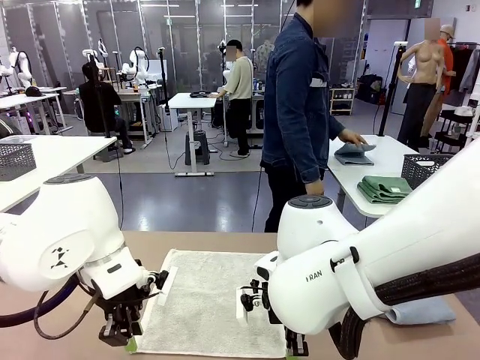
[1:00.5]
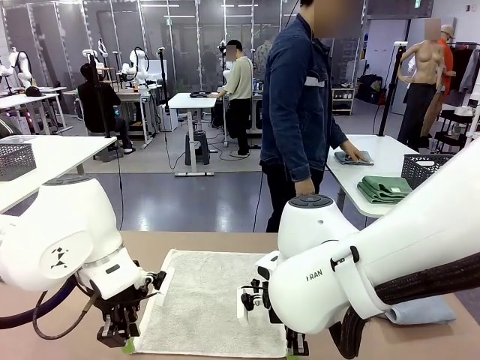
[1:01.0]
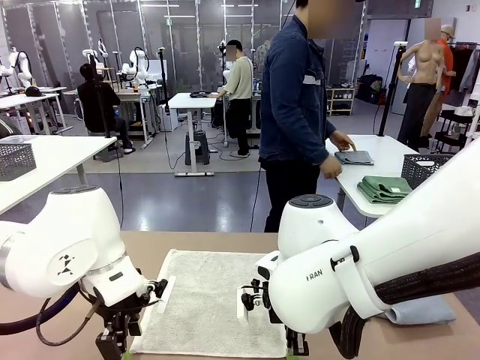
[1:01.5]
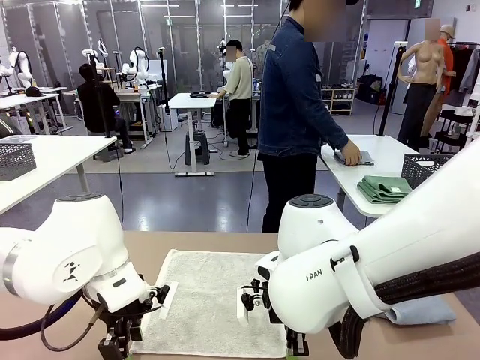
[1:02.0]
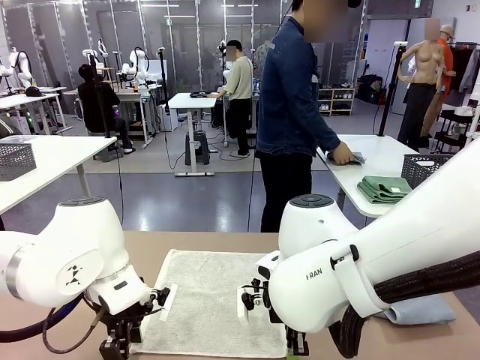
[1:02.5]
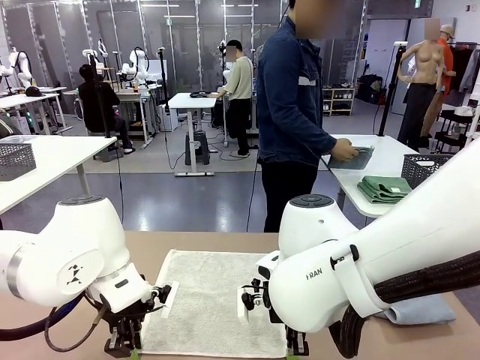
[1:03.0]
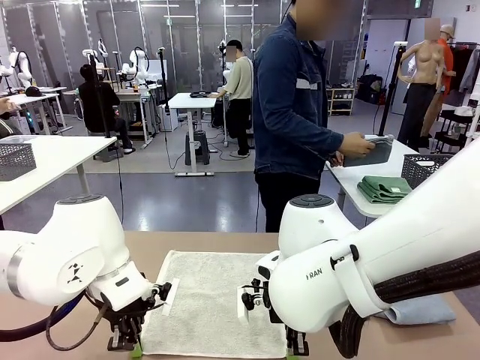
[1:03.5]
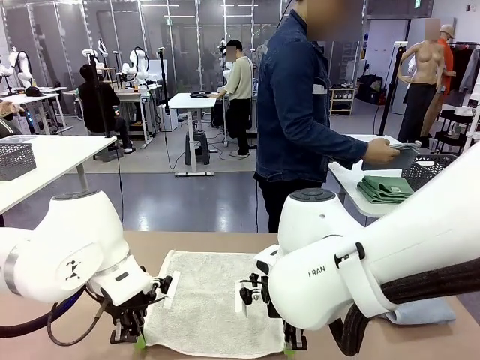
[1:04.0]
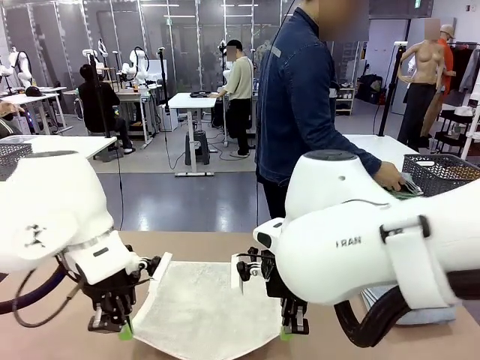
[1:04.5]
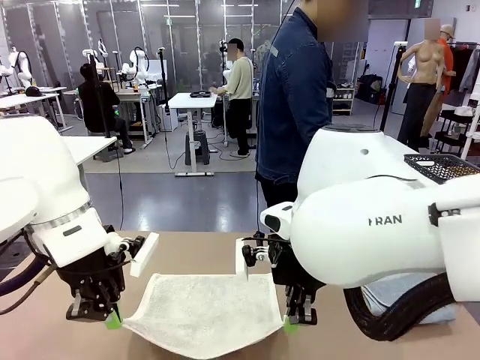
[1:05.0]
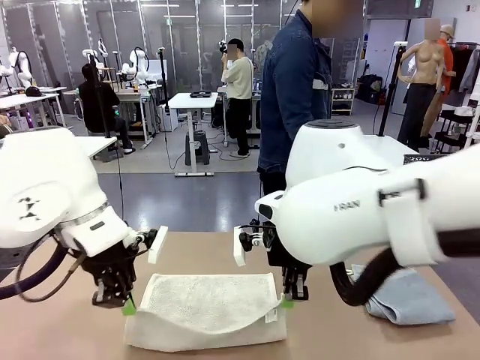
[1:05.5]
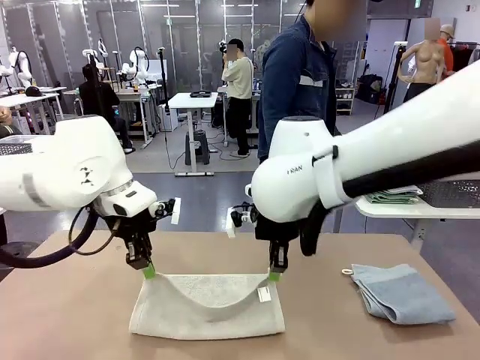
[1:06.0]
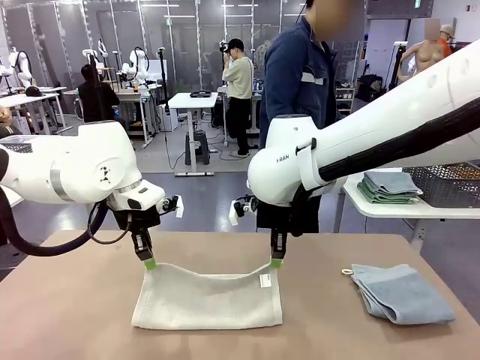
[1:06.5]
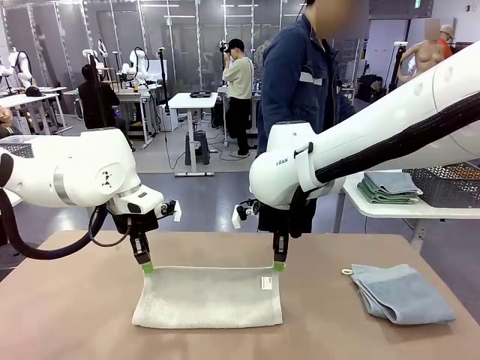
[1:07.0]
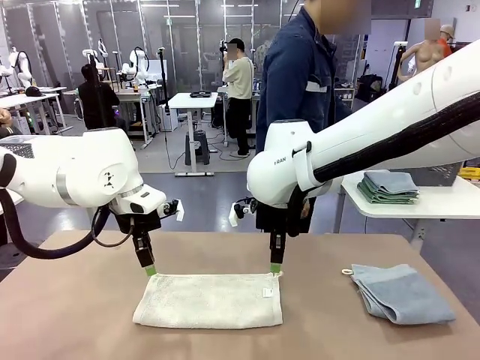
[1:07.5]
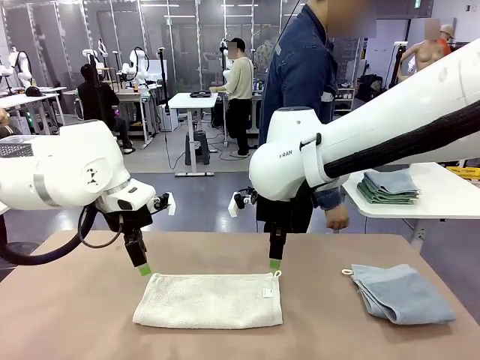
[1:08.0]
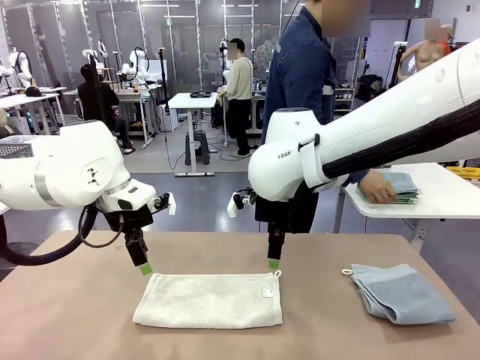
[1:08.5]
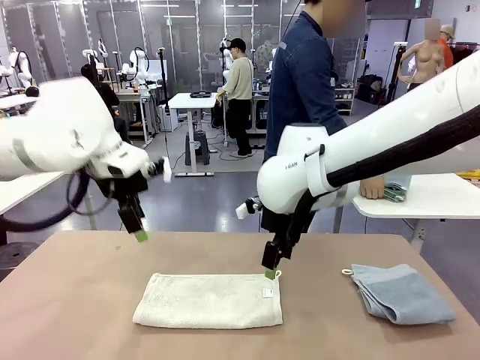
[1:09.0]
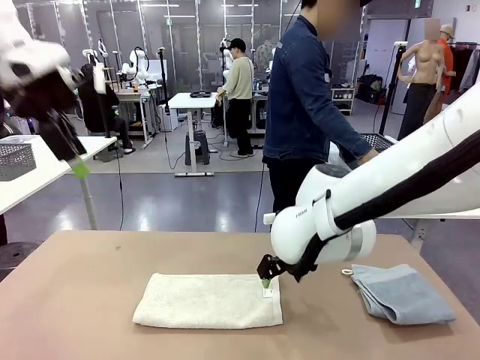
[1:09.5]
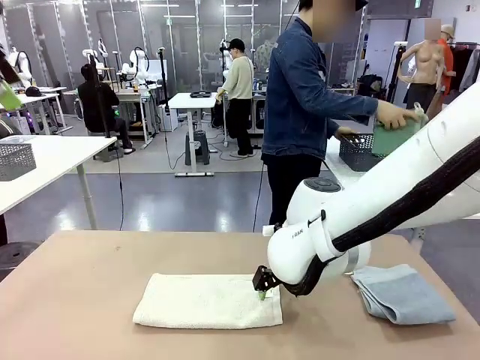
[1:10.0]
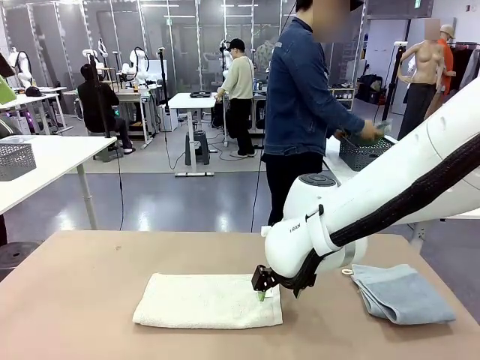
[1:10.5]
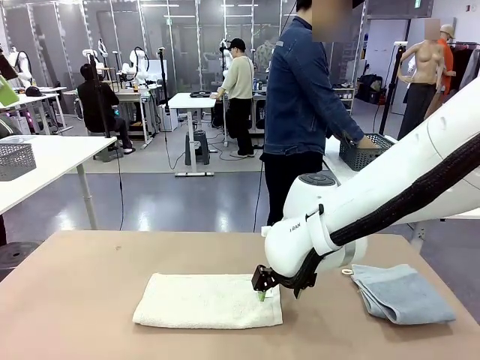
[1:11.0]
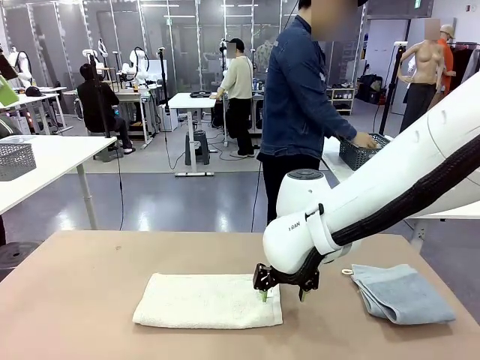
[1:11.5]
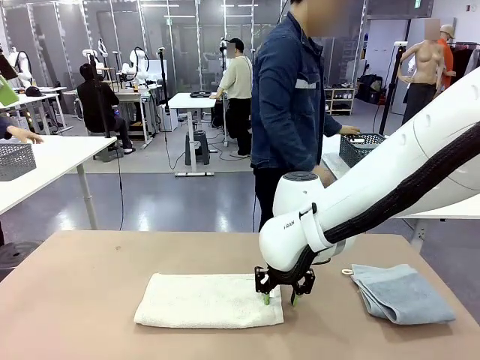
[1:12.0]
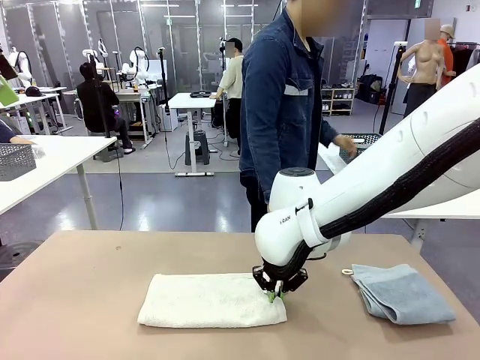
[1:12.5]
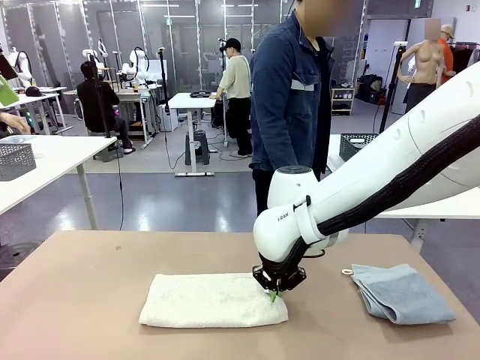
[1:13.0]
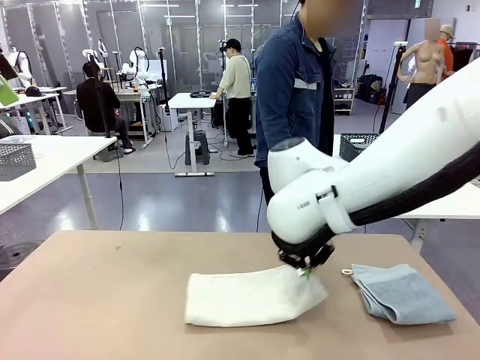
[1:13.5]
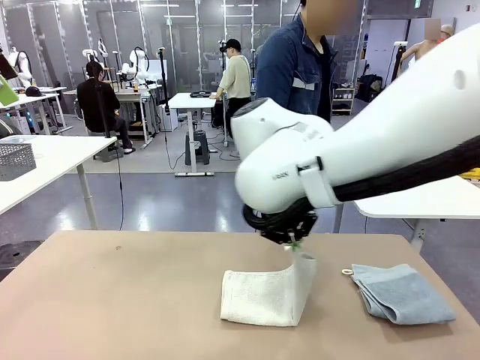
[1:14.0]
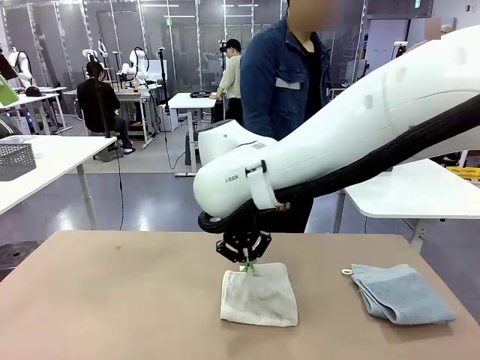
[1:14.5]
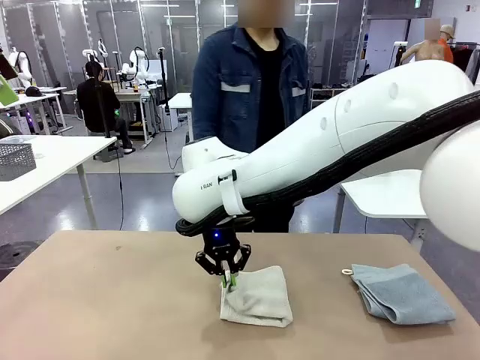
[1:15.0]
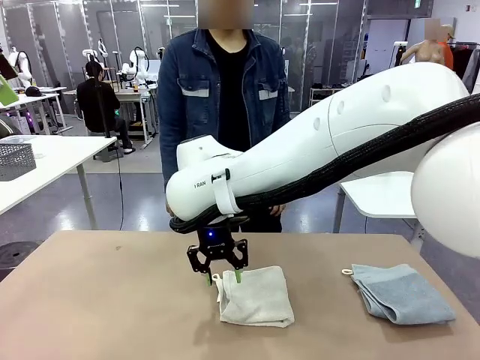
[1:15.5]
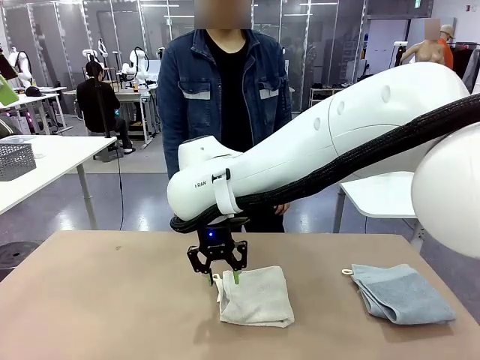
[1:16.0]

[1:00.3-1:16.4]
Task: Fold the towels and place them in the basket.
Robot: When a person lays out a Towel with hook on the table, fold it in half twice.
Person: Pick up the stack of towels from the right side of the human table, place it into the basket, and put the basket at the center of the table.
